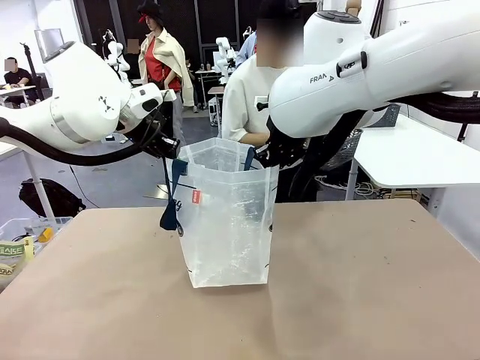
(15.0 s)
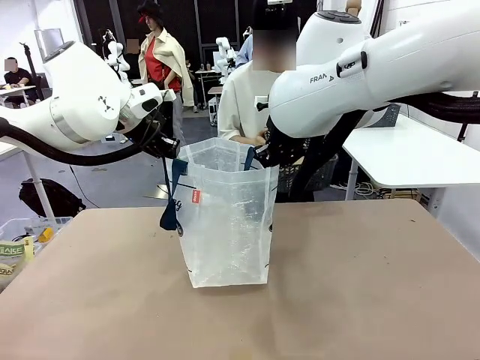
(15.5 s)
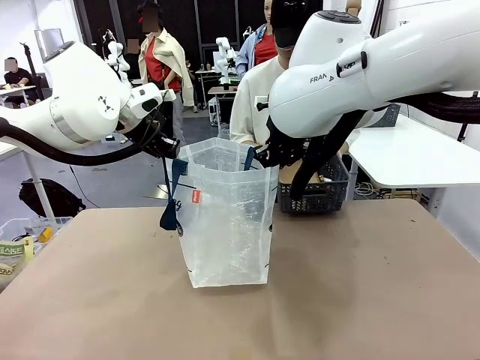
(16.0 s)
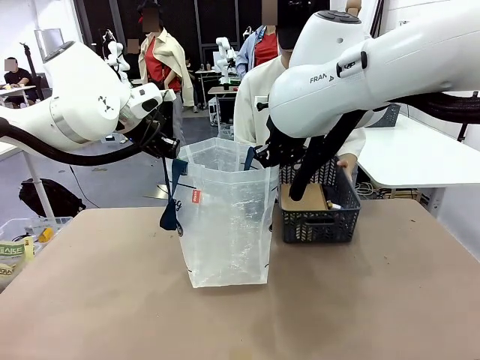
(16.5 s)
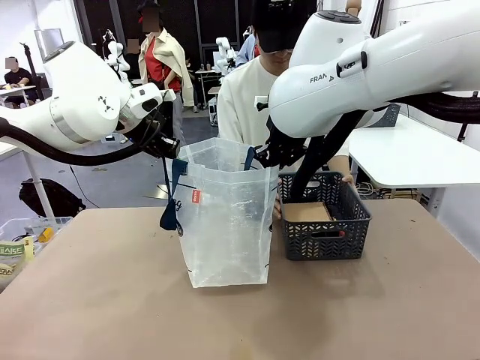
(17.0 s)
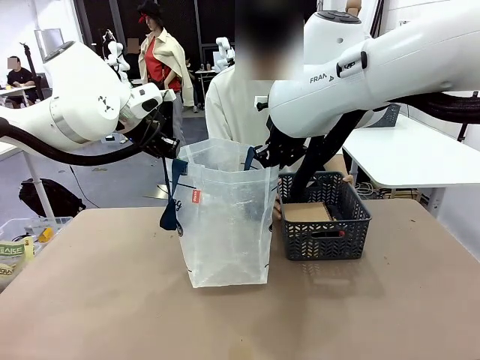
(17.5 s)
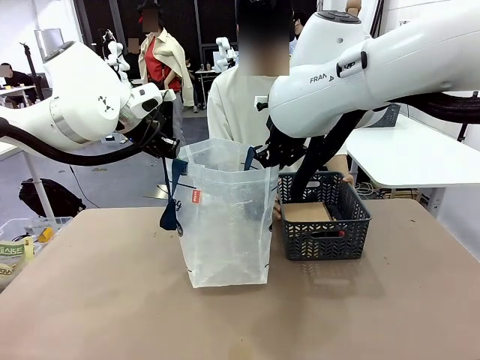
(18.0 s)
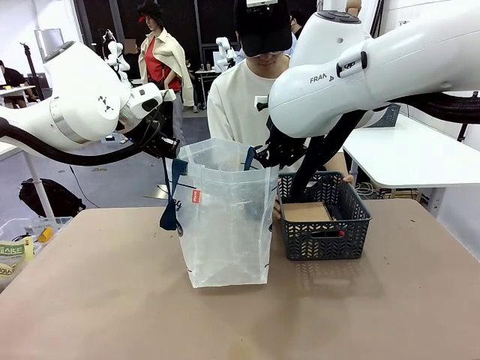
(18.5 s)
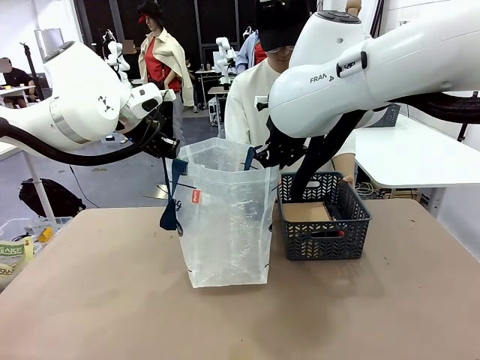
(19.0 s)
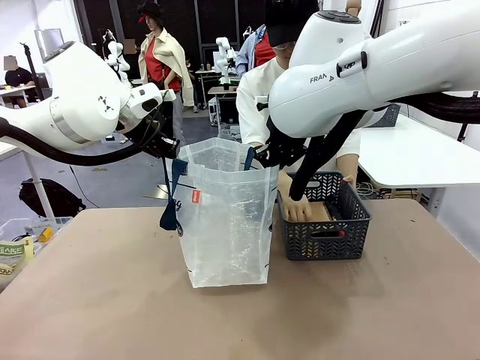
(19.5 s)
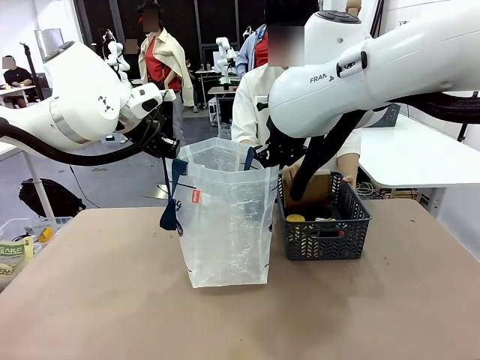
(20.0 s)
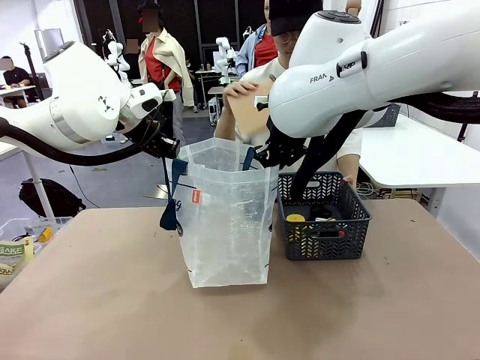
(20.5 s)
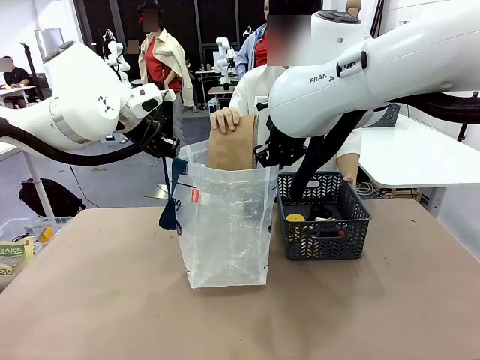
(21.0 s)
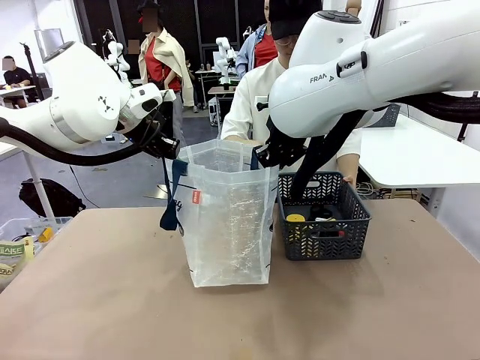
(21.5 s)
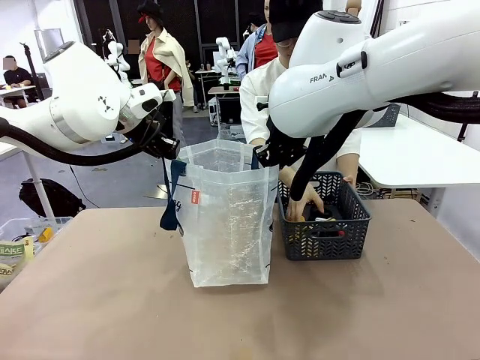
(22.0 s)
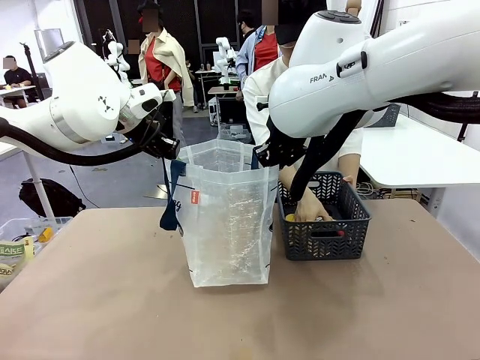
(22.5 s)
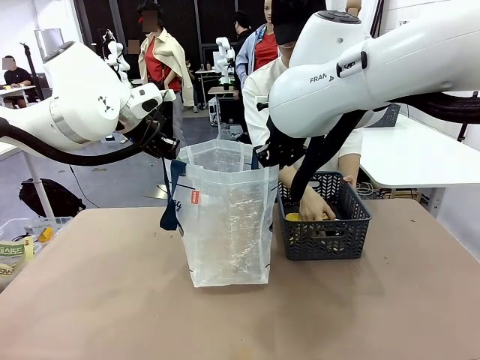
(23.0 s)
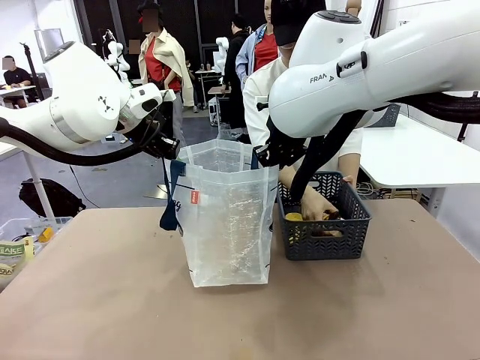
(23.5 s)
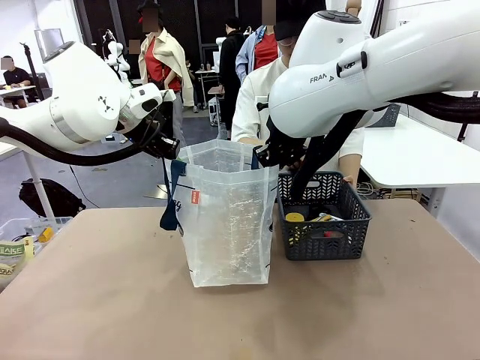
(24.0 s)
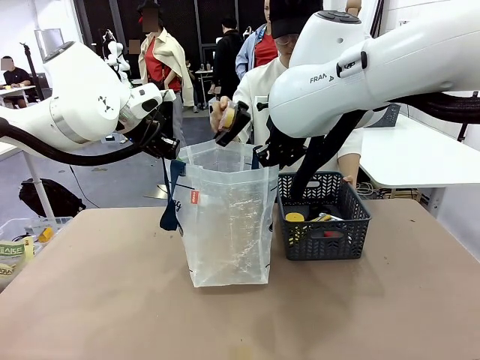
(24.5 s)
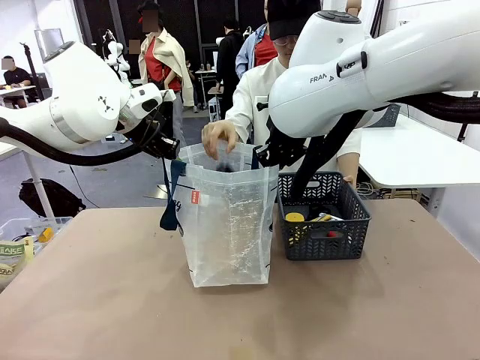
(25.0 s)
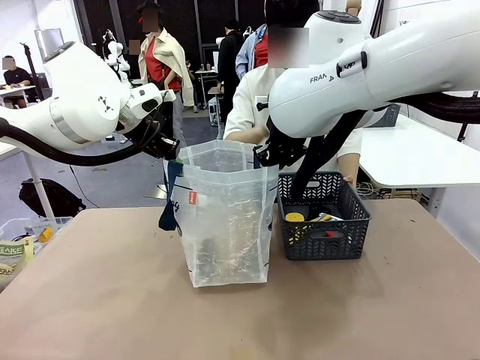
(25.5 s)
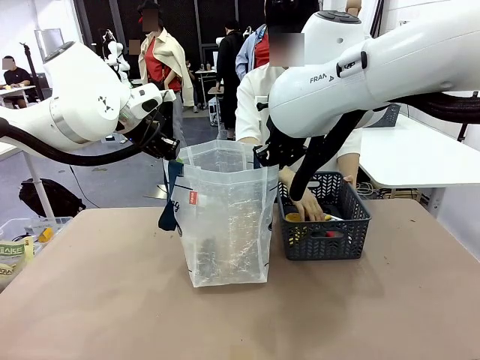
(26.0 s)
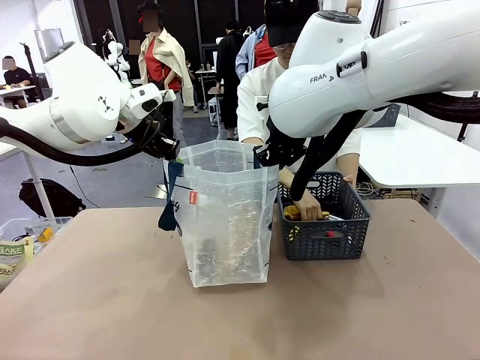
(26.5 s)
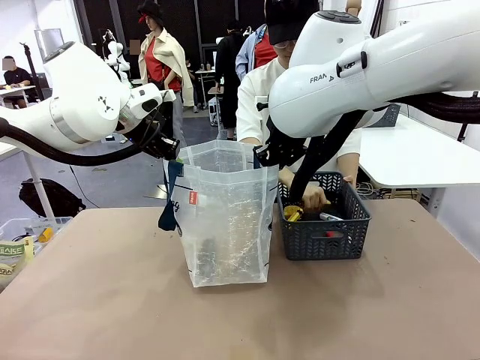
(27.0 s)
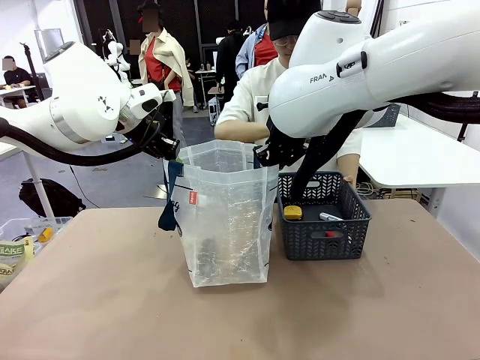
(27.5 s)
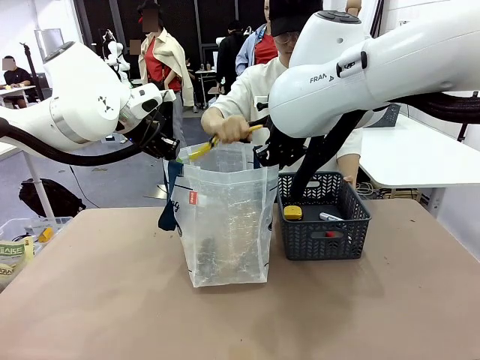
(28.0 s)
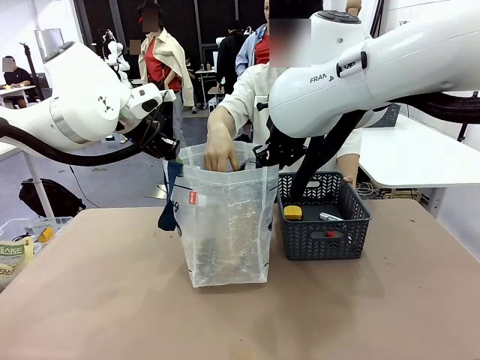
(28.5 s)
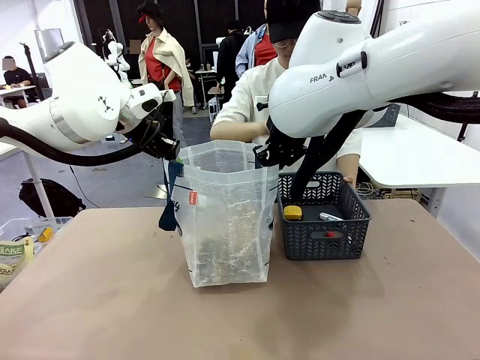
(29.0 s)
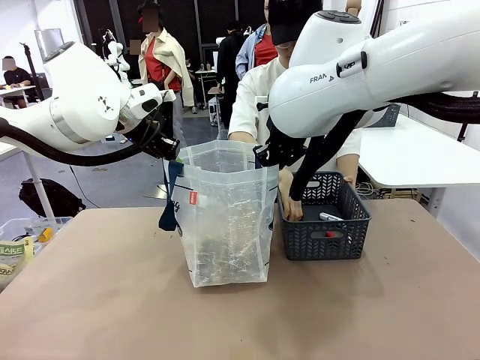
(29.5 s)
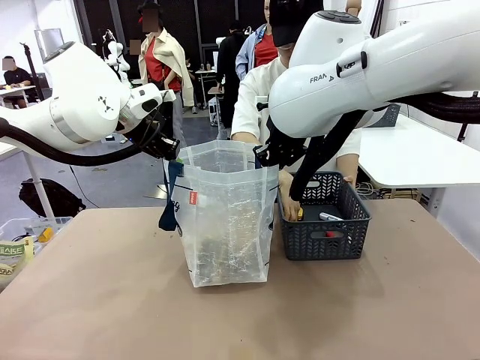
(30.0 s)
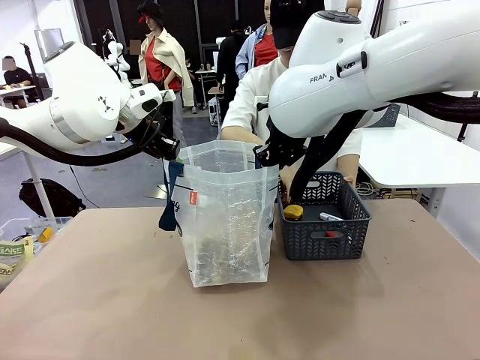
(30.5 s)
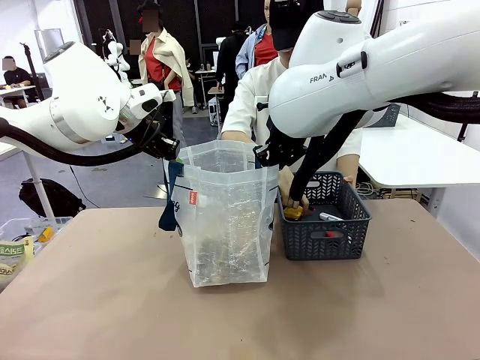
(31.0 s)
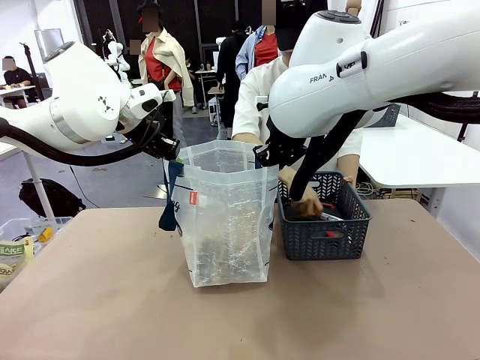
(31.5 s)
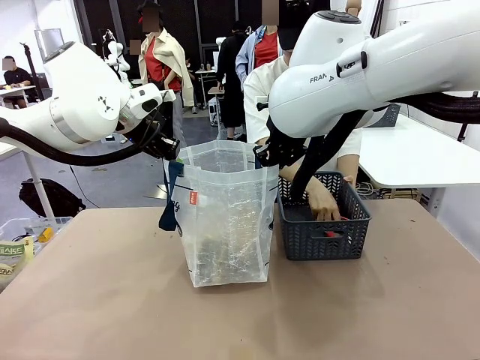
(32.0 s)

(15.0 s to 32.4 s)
Task: Transfer purchased items from the store into the shopping bag.
Robot: Move the Reusable shopping bag to the right side of the table.
Person: Pick up the basket with the items out and place it on the right side of the human table.

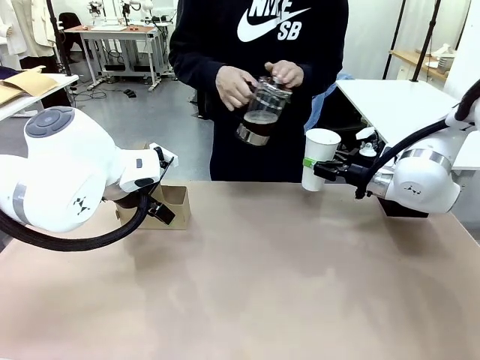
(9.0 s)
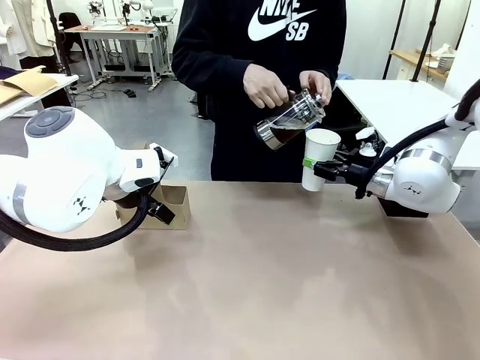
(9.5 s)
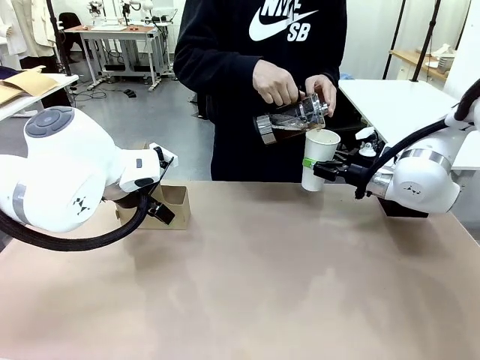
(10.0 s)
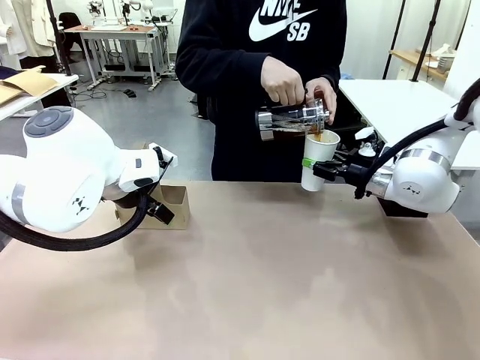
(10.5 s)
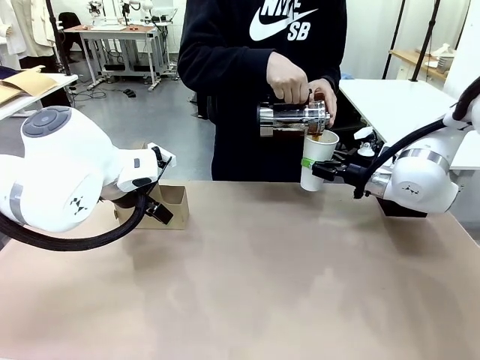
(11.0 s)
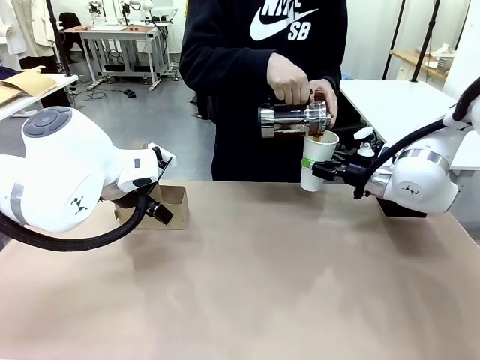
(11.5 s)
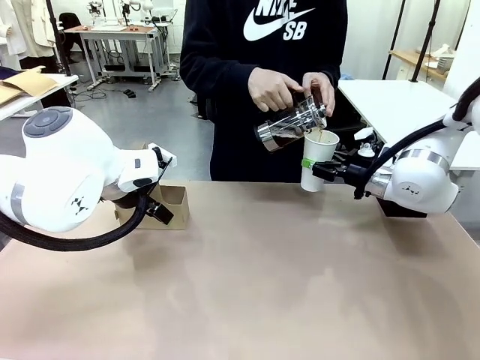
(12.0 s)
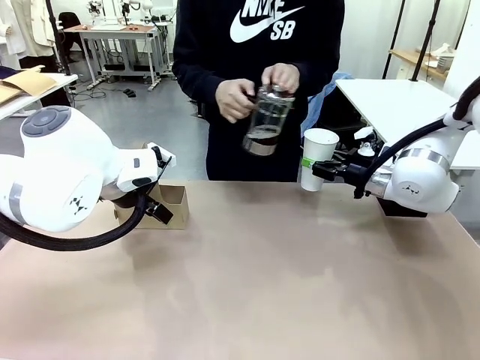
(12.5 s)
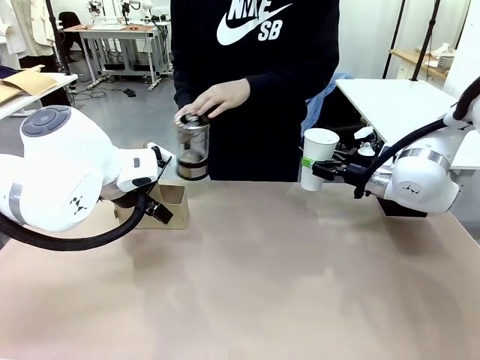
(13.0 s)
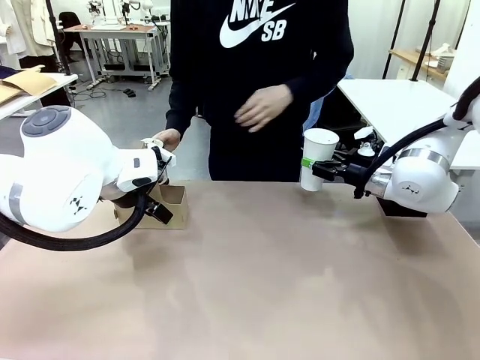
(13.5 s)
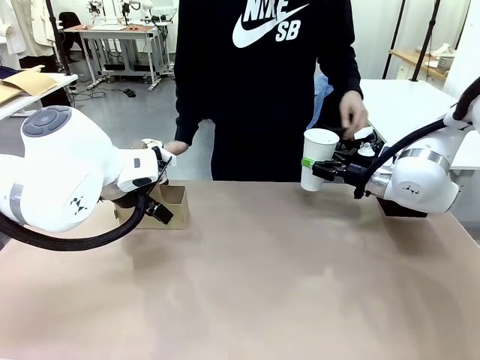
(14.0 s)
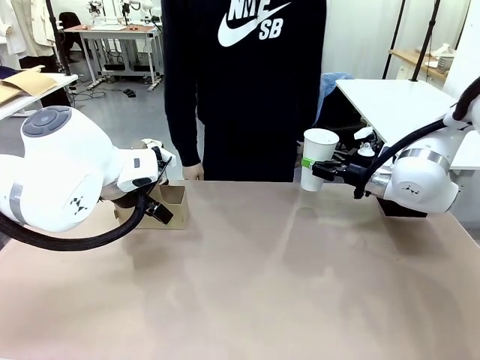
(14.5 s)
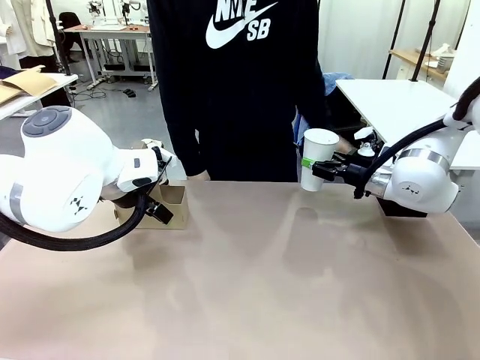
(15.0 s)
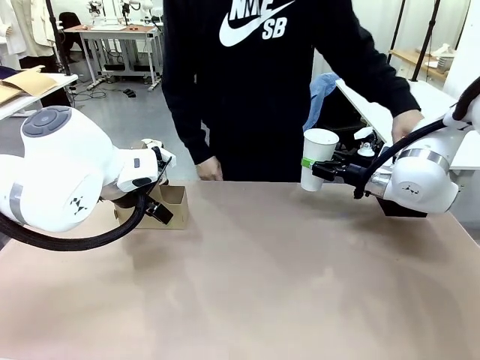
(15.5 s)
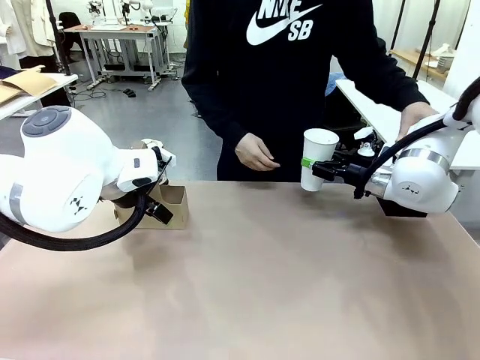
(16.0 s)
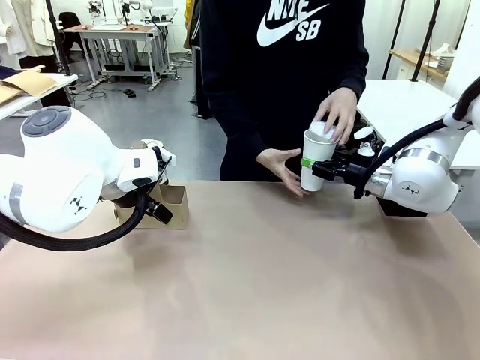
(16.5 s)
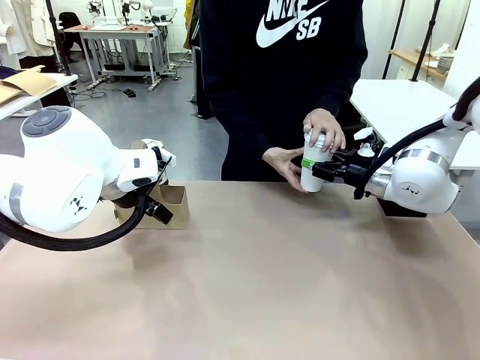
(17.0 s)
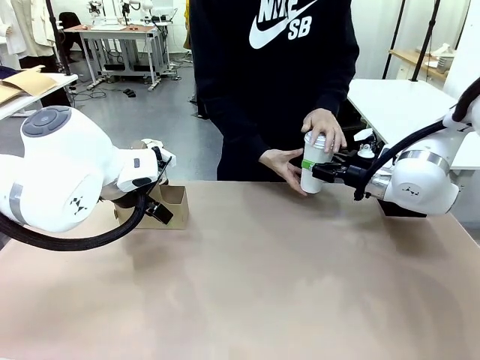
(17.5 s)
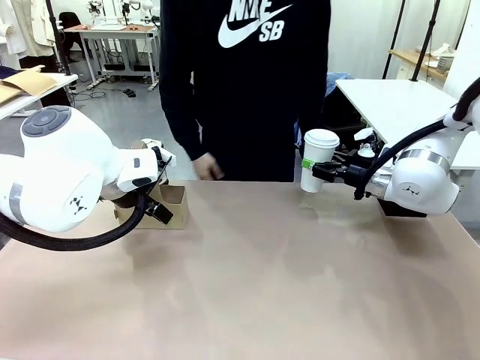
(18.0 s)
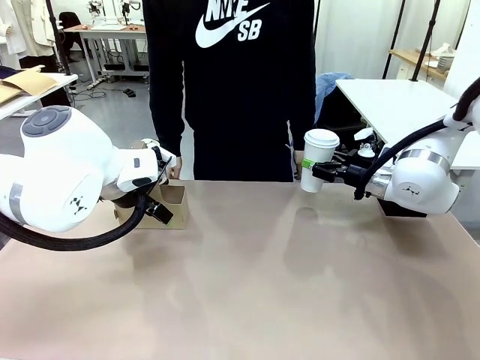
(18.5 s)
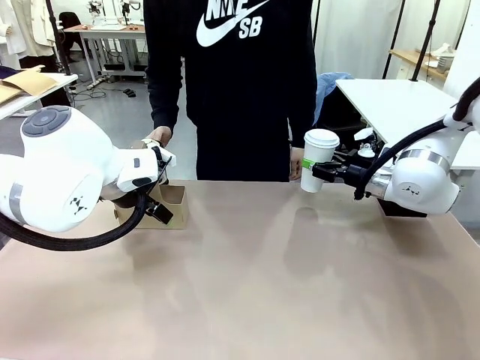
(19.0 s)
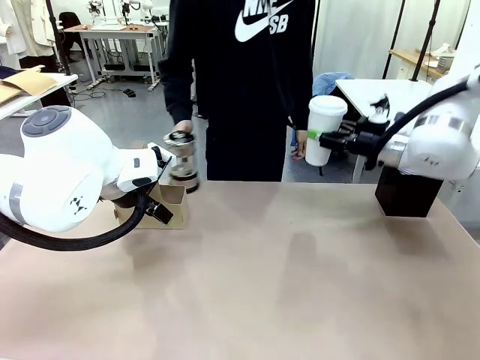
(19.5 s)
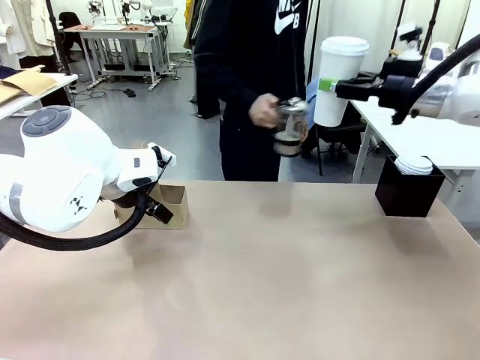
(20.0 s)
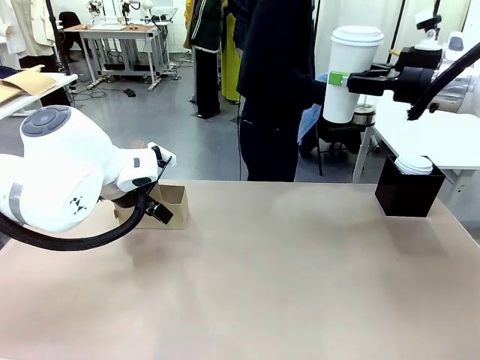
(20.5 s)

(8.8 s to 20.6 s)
Task: Pour a drink into a cup and package it in a carrier.
Robot: When a person places the Paper Cup Lid on the 600 ml Paper Cup , lift the 600 ml Paper Cup.
Person: Pour the drink from the Filter Brewing into the 600 ml Paper Cup. Place a Paper Cup Lid on the 600 ml Paper Cup.
